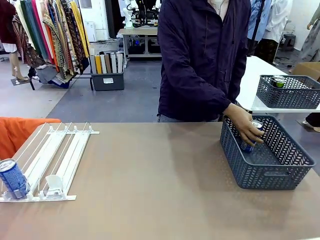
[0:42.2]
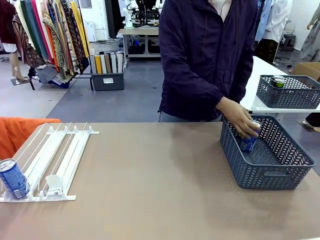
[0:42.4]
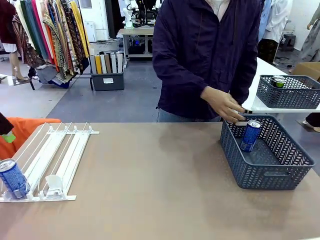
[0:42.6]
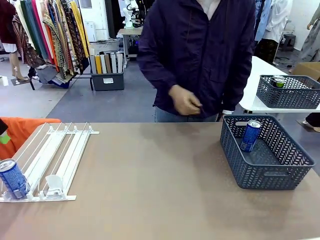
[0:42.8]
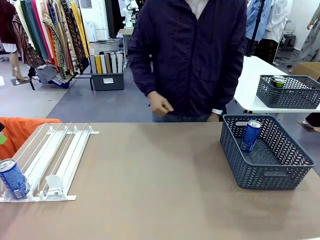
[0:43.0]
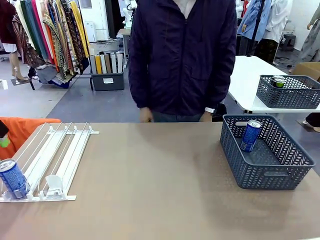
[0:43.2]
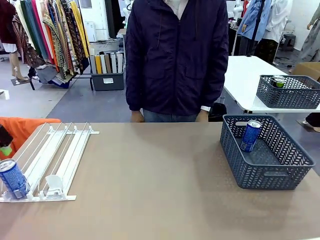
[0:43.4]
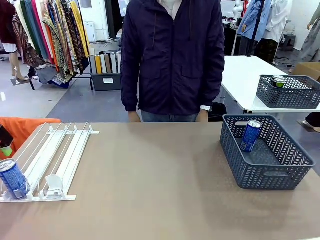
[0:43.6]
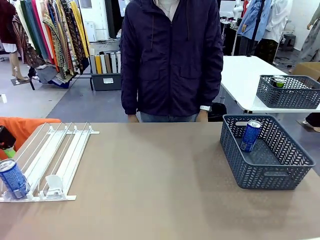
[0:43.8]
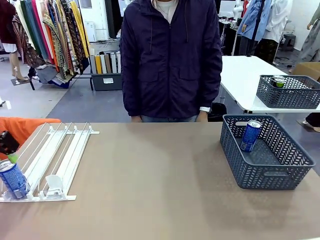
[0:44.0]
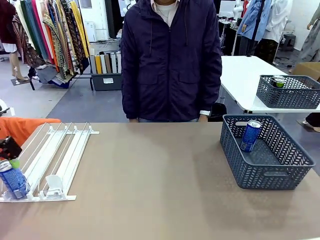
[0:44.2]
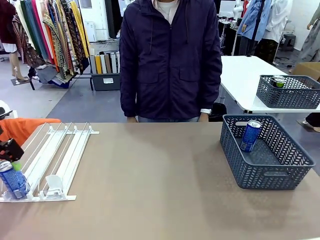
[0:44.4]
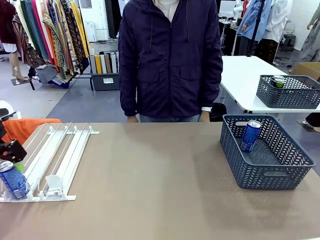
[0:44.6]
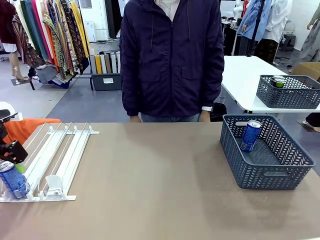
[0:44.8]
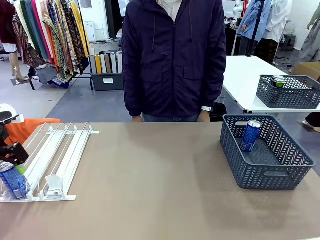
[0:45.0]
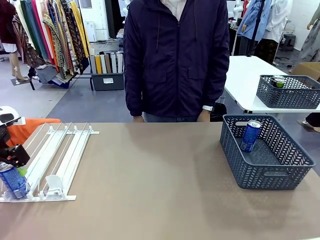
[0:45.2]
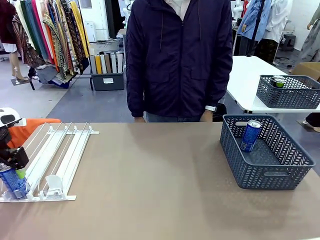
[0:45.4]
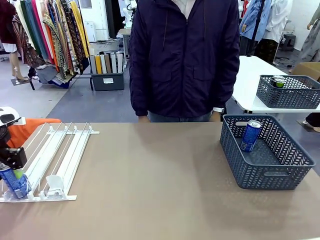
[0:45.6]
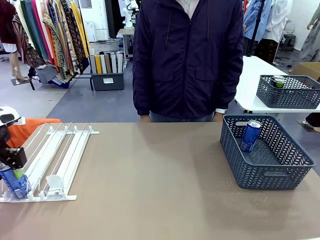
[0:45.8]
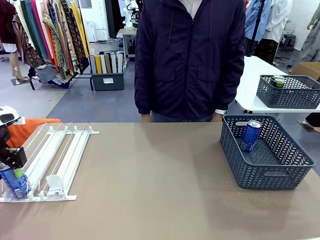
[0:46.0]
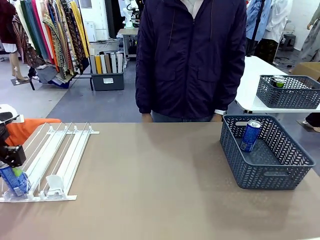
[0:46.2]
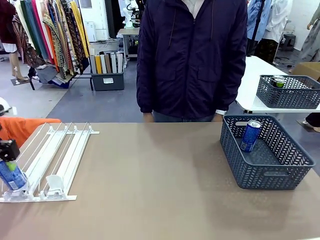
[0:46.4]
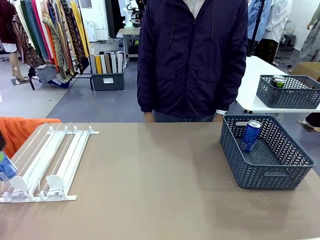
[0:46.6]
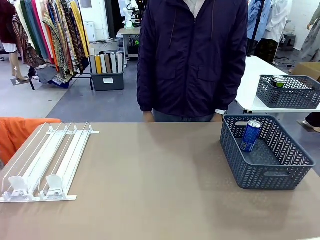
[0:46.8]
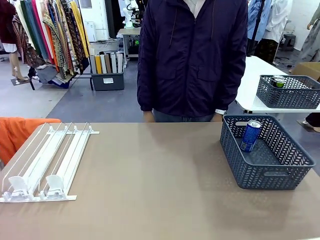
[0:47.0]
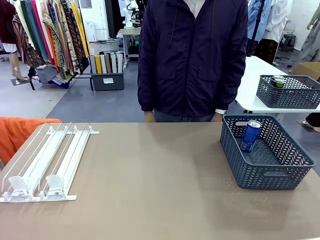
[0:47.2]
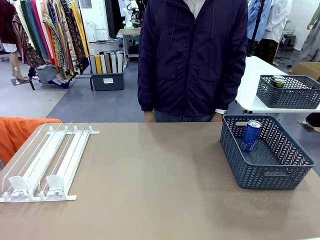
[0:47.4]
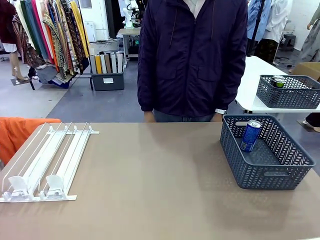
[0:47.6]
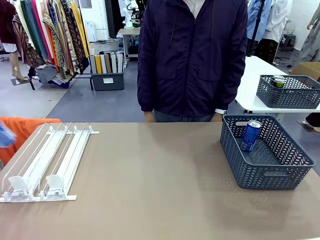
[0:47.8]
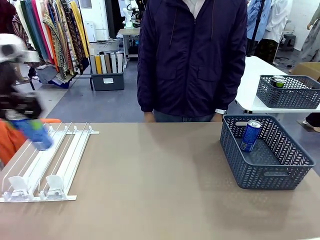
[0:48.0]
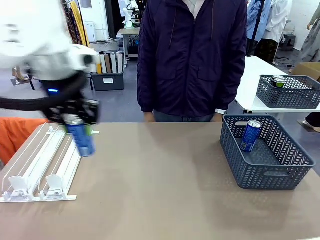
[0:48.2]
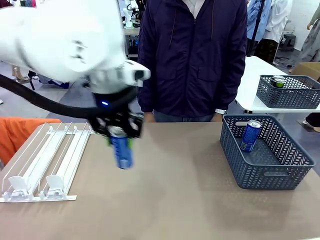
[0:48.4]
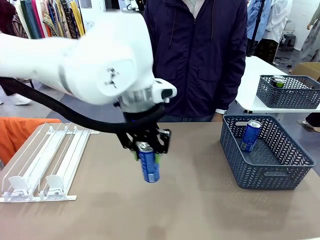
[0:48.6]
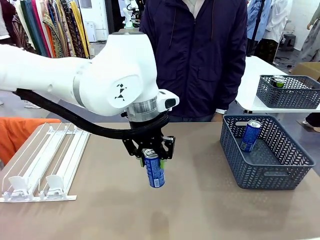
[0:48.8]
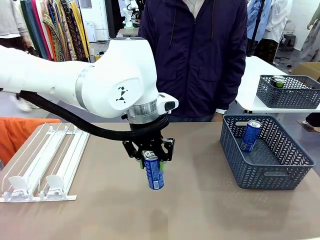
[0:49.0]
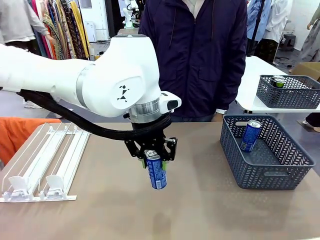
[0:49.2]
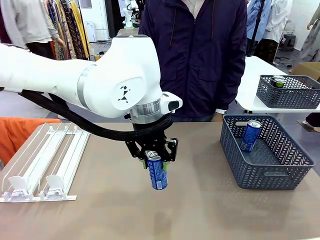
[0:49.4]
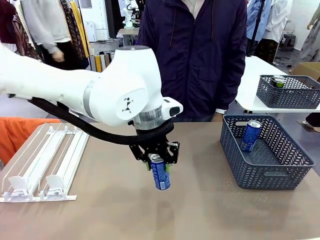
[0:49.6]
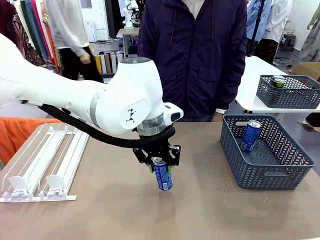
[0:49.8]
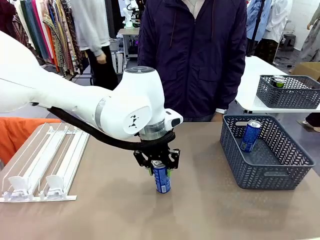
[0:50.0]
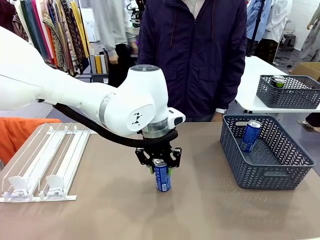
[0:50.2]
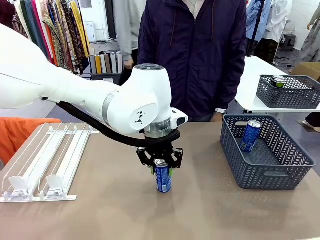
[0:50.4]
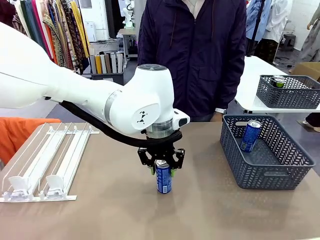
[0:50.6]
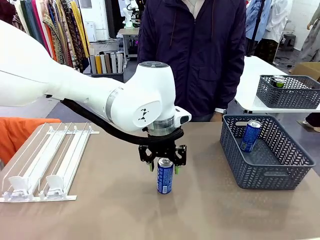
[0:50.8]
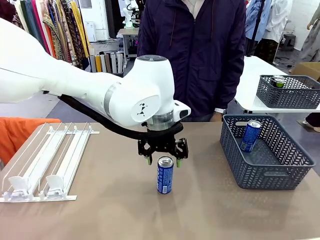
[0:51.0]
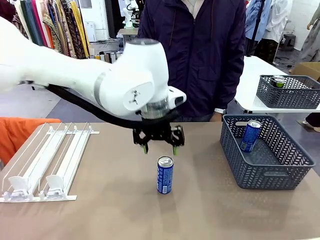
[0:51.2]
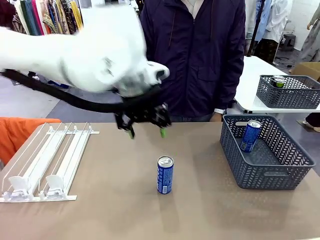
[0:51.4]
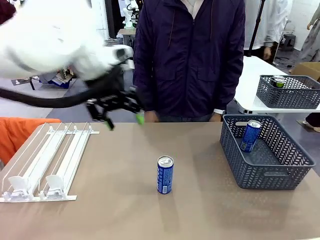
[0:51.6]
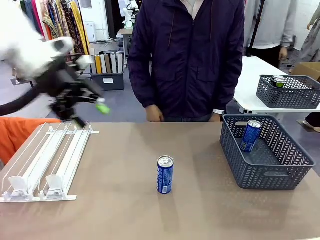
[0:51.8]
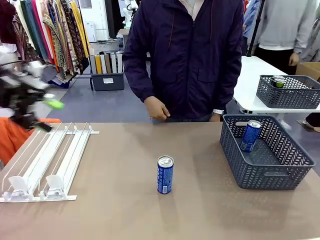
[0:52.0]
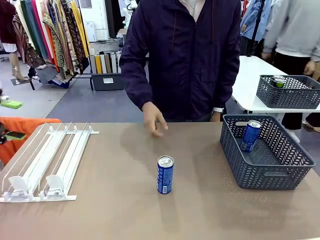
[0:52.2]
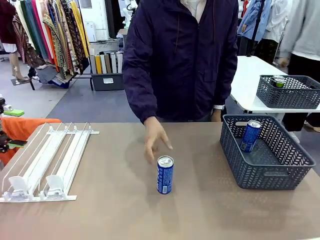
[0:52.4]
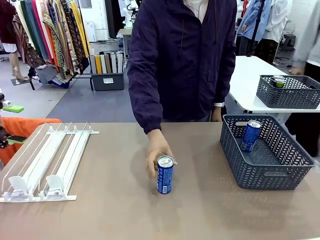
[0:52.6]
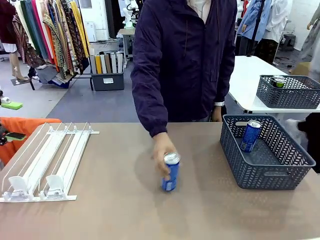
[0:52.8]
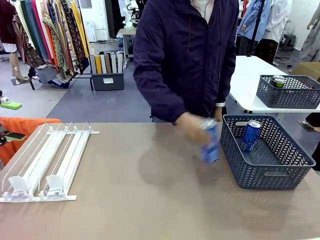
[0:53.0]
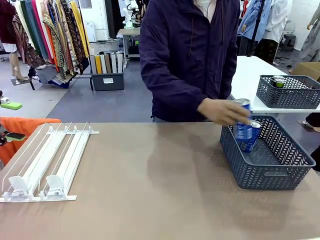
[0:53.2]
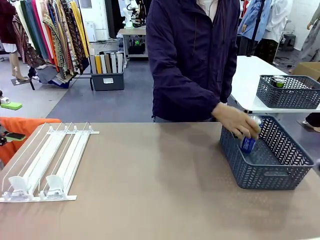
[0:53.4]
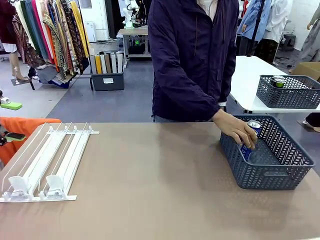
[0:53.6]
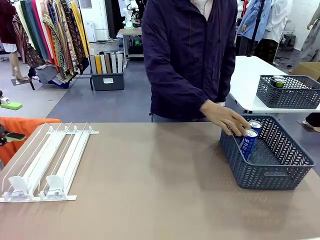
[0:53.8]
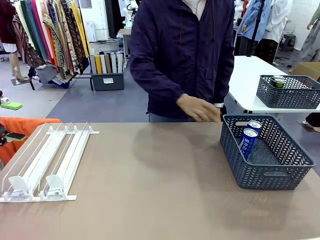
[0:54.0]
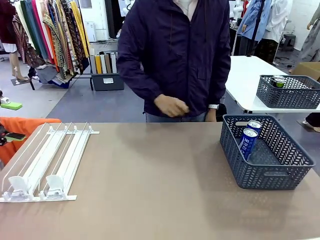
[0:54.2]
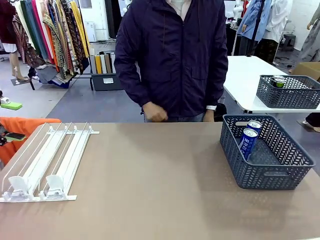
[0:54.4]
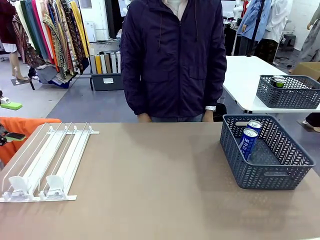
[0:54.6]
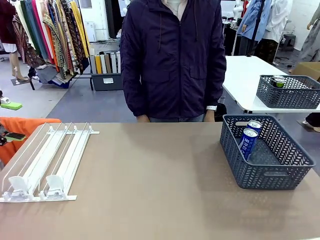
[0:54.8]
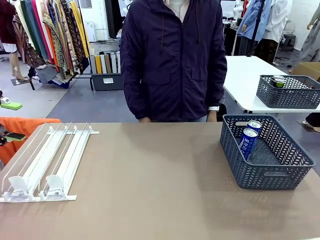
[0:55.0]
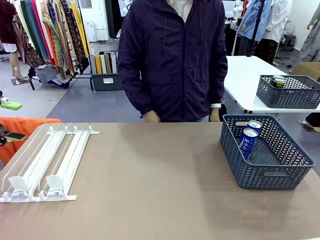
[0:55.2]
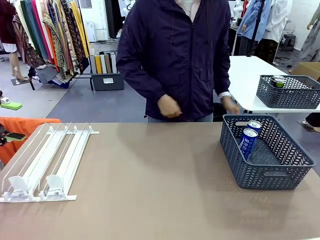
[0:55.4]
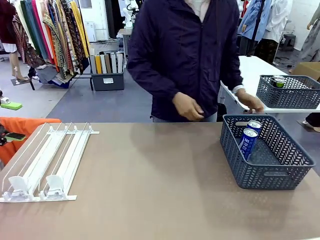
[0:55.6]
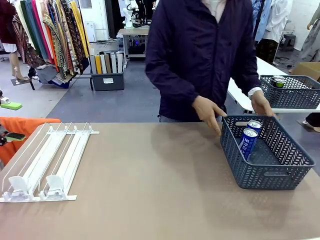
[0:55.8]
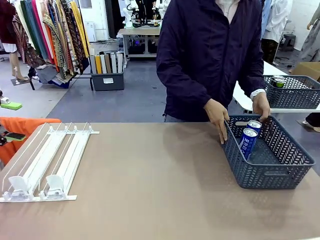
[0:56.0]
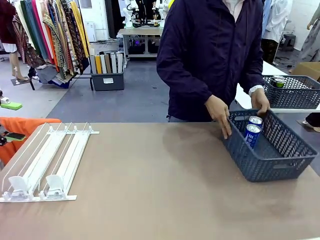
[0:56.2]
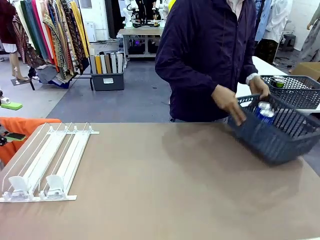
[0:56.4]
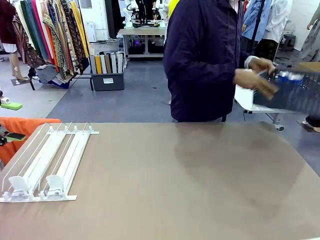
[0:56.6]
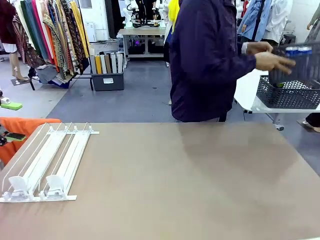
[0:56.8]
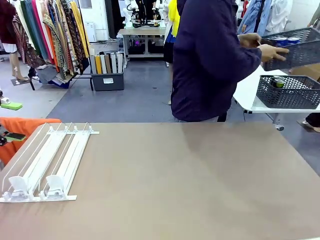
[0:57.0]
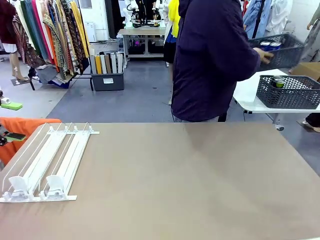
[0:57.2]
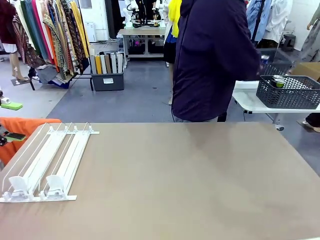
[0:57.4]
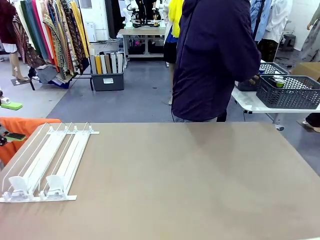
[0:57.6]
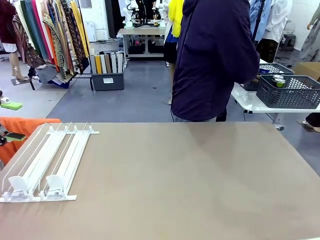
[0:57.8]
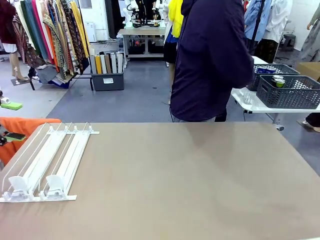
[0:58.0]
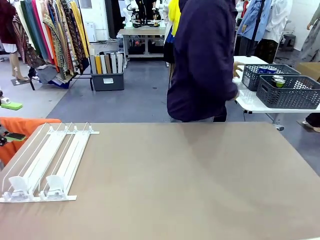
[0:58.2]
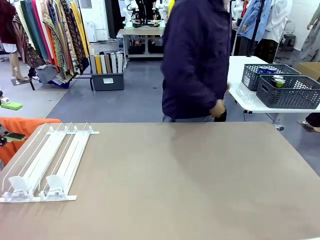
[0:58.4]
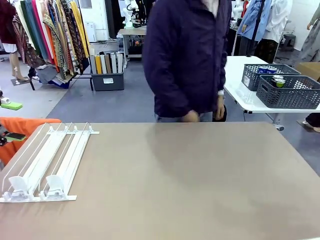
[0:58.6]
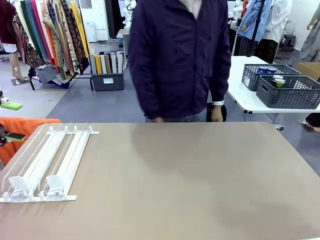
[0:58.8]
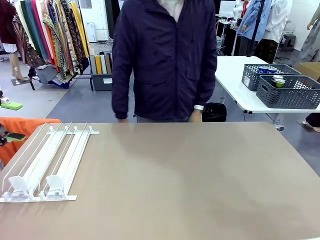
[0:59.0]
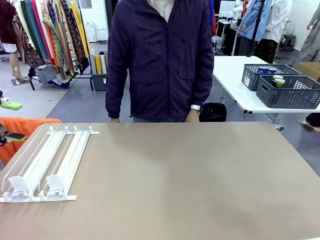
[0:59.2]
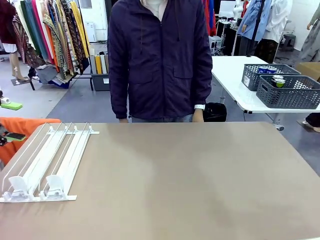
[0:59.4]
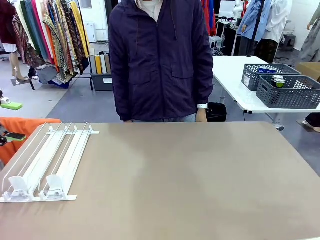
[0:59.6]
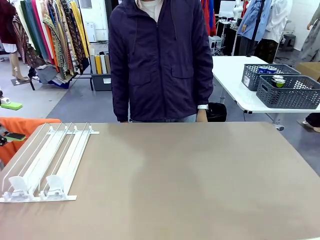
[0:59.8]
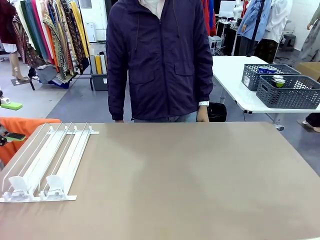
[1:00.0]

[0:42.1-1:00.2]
Task: Retrieve and store the cans from the dispenser.
Robot: Pick up one can from the Automatic Can Dispenser and place it in the middle of the table.
Person: Pick up one sports drink can from the middle of the robot table and place it in the basket. Pick up the basket and place it in the middle of the human table.

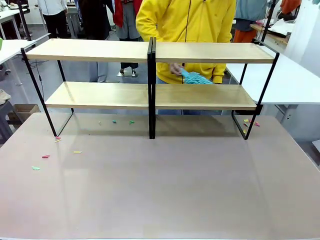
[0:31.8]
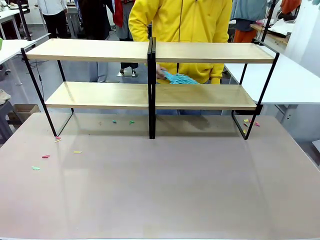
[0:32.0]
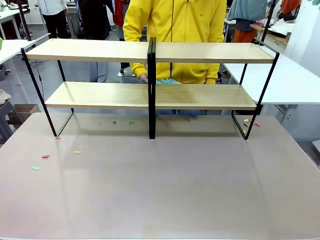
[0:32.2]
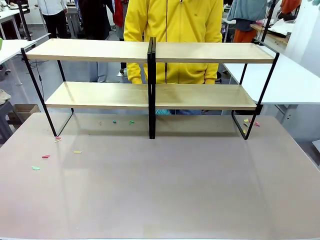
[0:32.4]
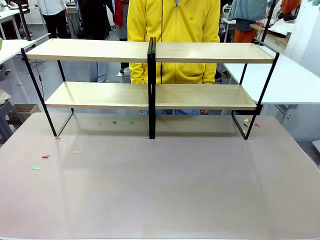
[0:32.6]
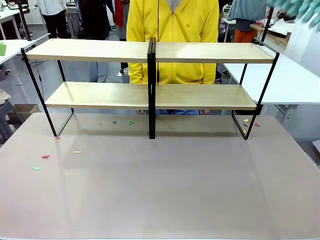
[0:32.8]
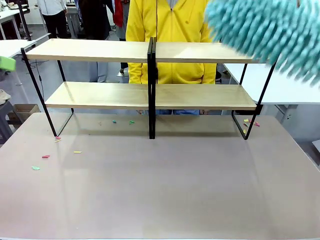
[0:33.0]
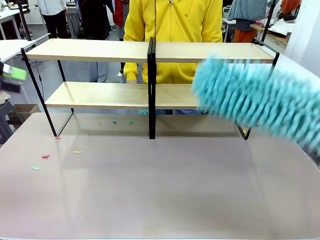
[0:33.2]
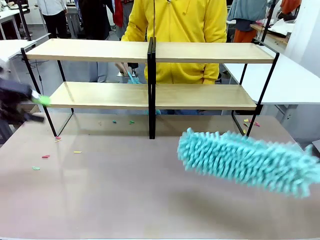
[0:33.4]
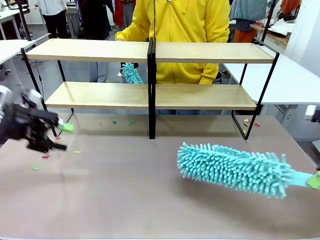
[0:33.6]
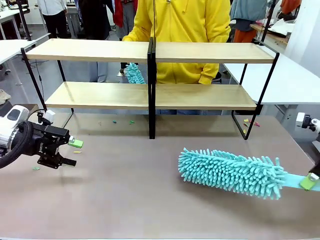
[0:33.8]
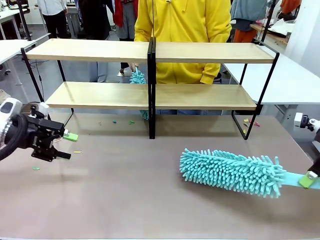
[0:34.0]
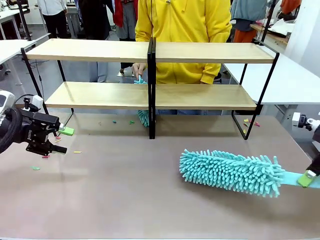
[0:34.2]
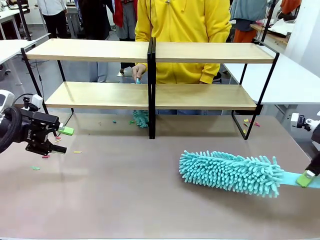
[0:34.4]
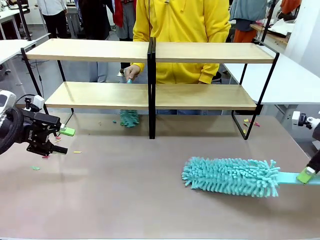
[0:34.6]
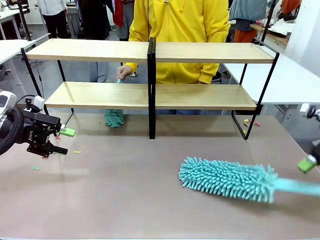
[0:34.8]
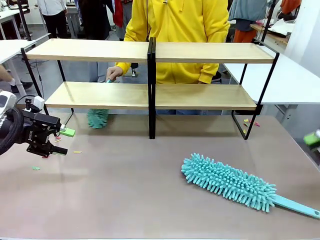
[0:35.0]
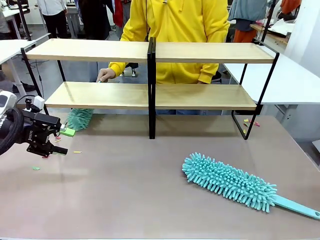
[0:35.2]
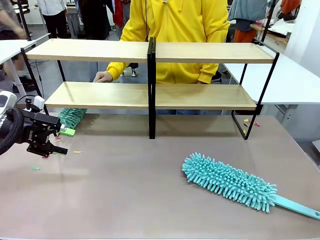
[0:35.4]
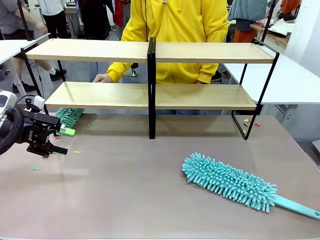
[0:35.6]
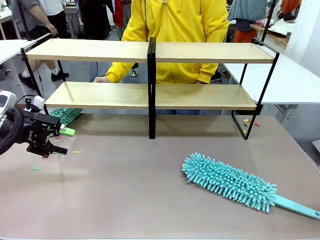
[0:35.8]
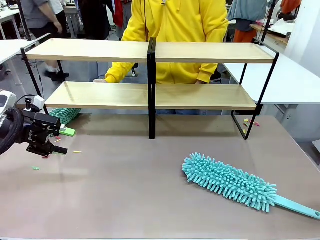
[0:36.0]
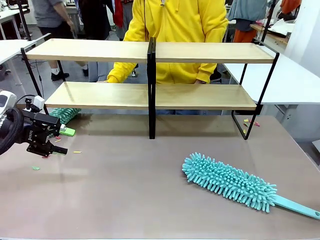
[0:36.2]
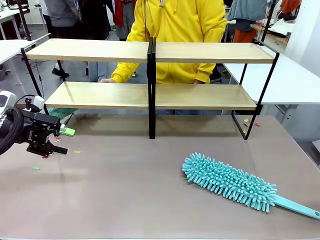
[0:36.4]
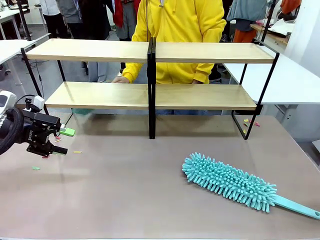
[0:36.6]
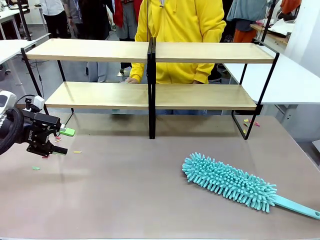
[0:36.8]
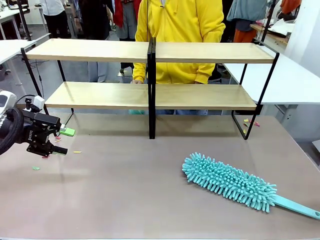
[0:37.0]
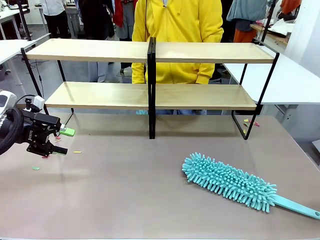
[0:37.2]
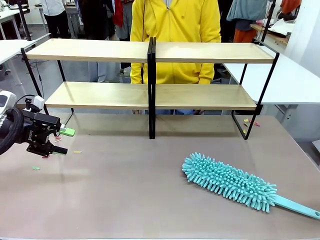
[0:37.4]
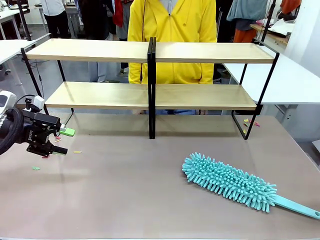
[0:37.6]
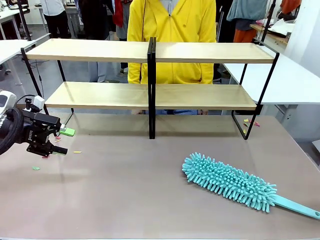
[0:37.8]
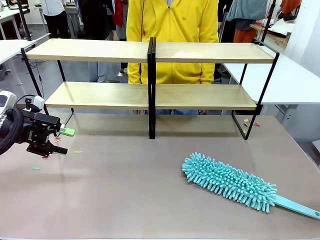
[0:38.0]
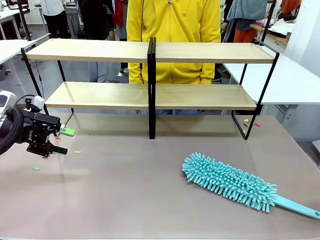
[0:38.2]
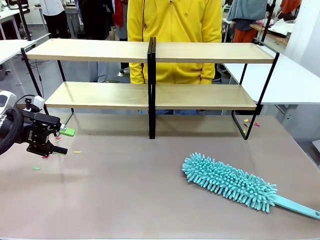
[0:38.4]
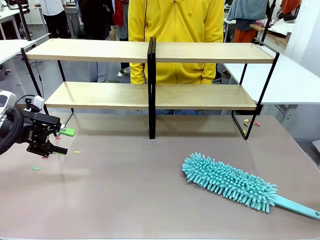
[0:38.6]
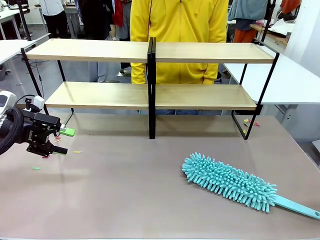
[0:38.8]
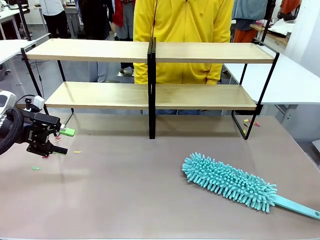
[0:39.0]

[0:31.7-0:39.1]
Task: Clean the shelves.
Robot: Place the Duster on the table.
